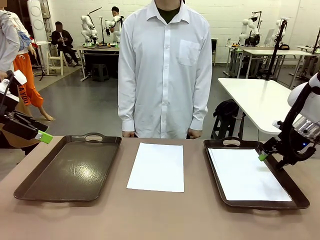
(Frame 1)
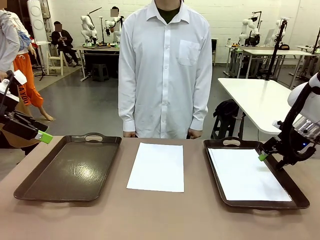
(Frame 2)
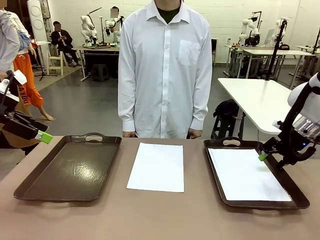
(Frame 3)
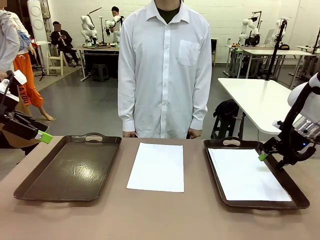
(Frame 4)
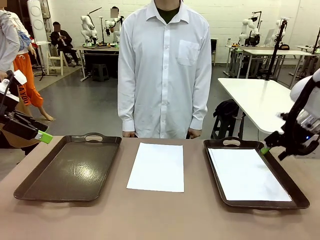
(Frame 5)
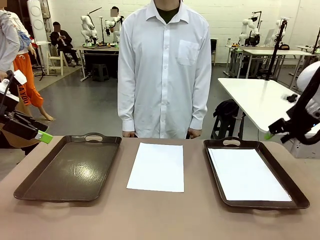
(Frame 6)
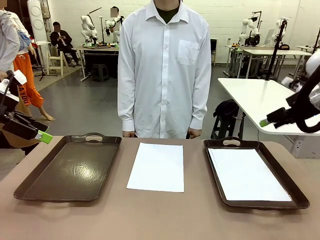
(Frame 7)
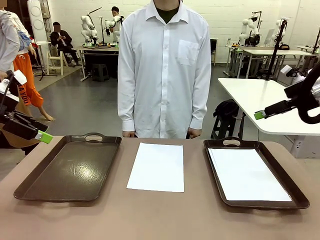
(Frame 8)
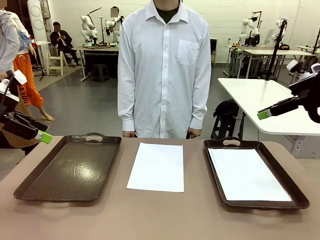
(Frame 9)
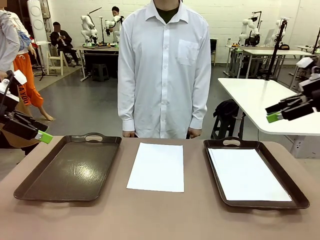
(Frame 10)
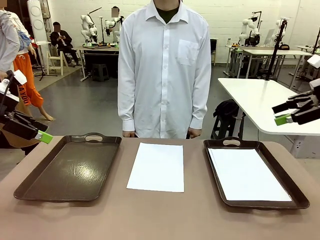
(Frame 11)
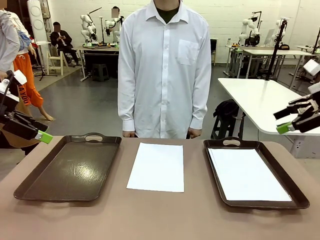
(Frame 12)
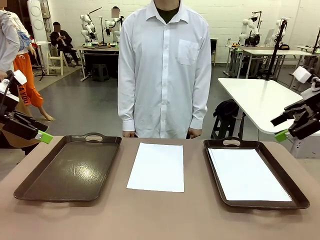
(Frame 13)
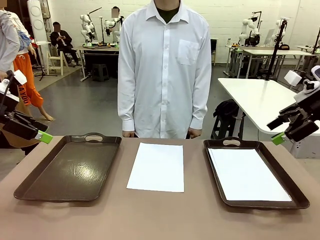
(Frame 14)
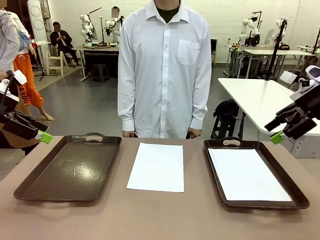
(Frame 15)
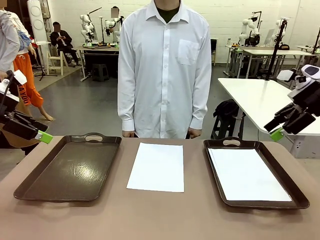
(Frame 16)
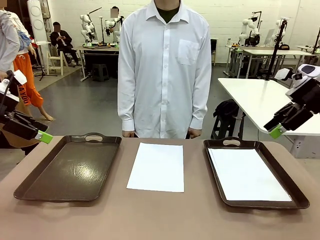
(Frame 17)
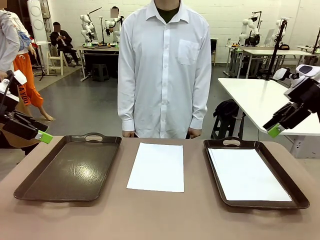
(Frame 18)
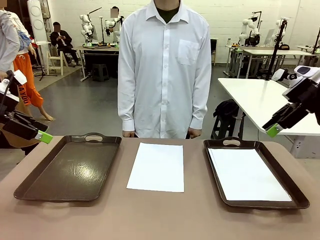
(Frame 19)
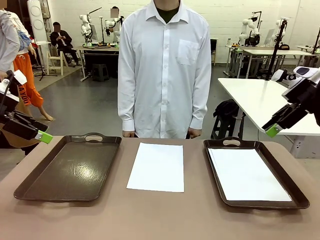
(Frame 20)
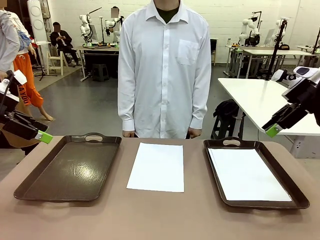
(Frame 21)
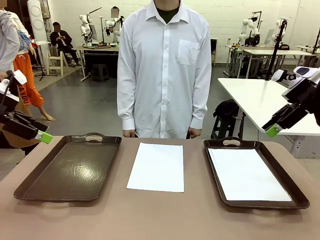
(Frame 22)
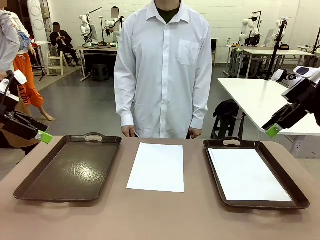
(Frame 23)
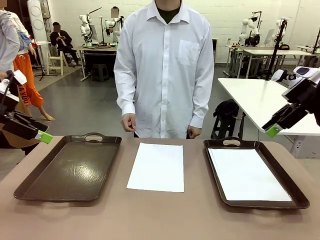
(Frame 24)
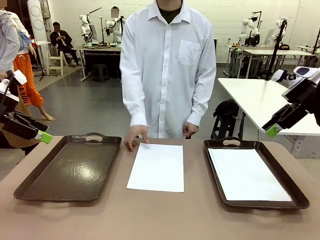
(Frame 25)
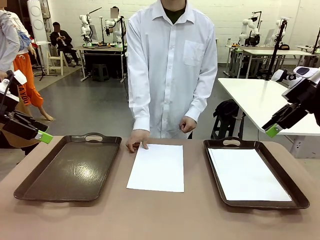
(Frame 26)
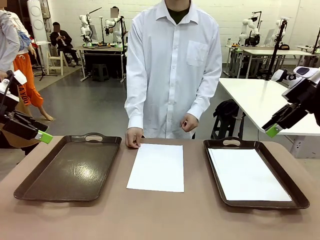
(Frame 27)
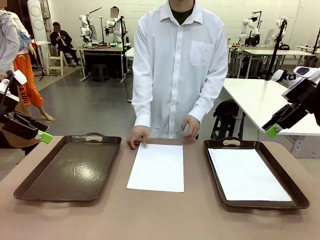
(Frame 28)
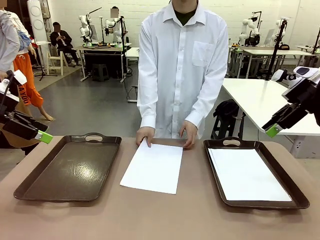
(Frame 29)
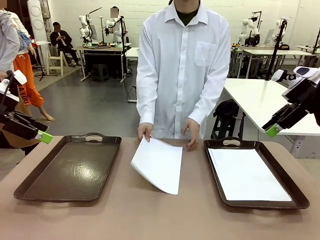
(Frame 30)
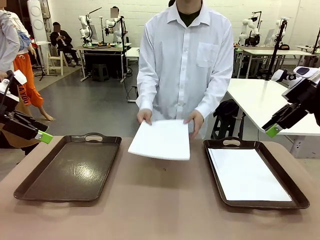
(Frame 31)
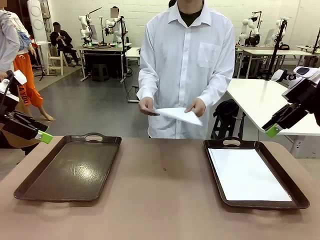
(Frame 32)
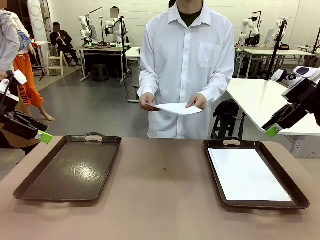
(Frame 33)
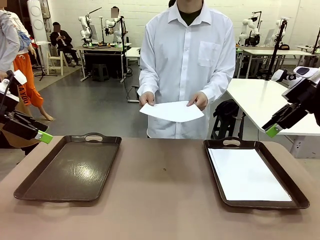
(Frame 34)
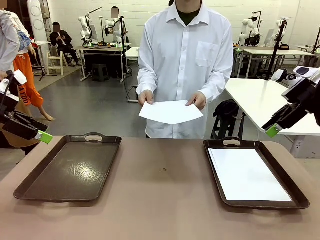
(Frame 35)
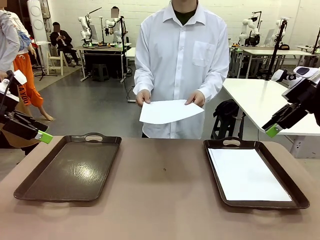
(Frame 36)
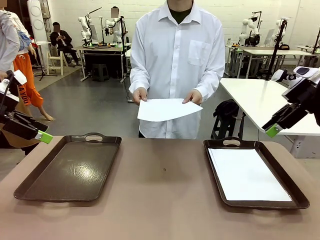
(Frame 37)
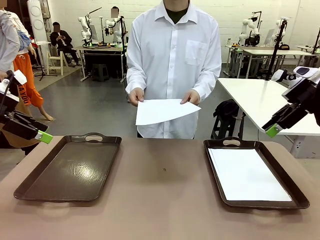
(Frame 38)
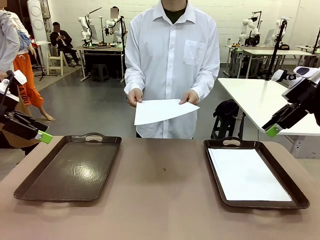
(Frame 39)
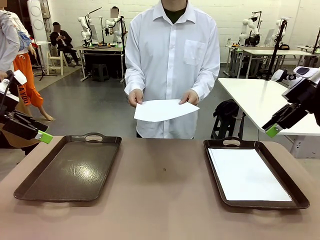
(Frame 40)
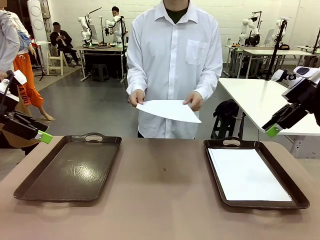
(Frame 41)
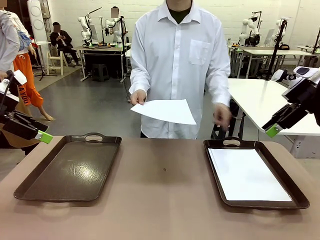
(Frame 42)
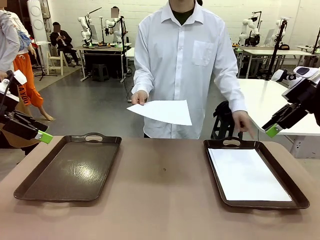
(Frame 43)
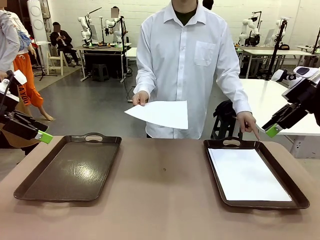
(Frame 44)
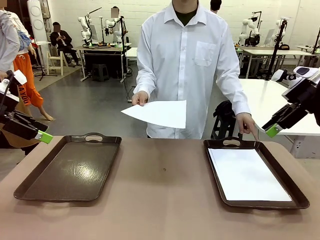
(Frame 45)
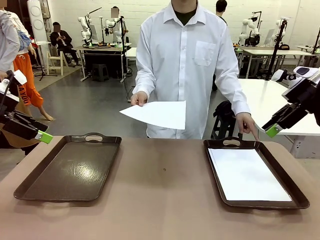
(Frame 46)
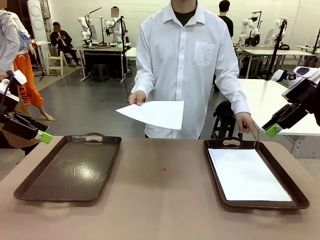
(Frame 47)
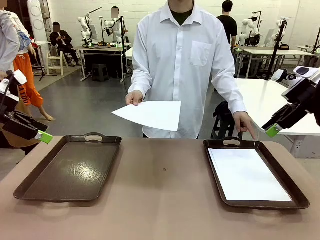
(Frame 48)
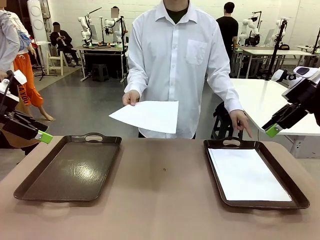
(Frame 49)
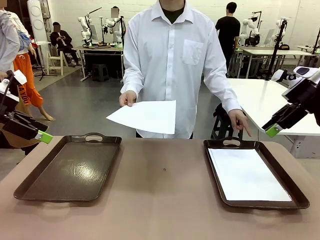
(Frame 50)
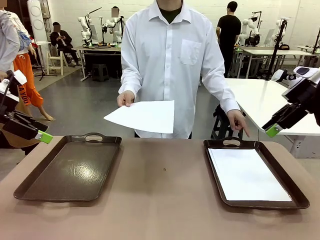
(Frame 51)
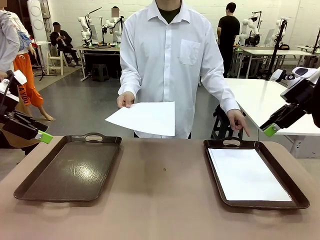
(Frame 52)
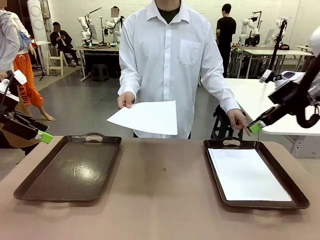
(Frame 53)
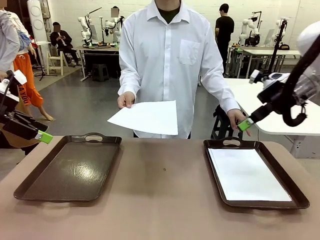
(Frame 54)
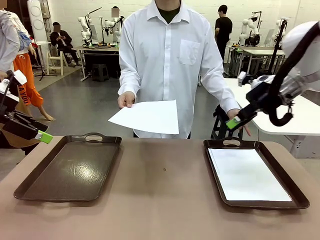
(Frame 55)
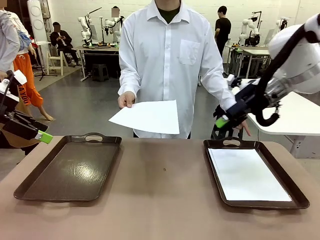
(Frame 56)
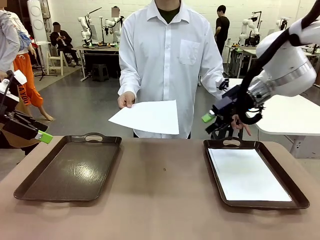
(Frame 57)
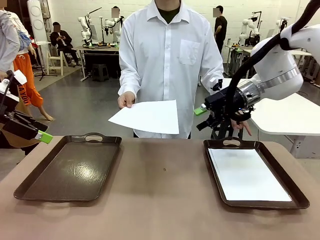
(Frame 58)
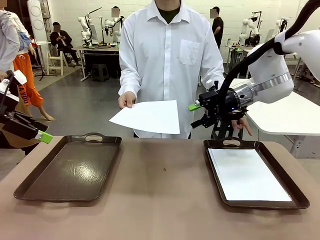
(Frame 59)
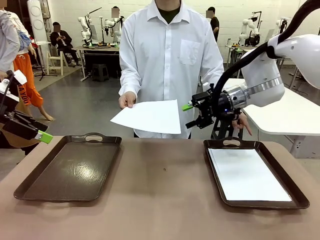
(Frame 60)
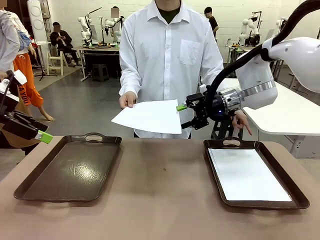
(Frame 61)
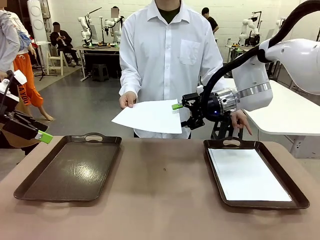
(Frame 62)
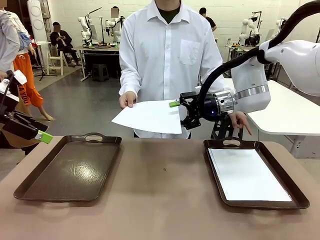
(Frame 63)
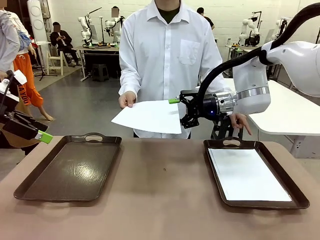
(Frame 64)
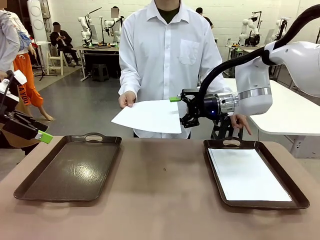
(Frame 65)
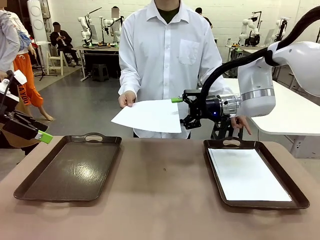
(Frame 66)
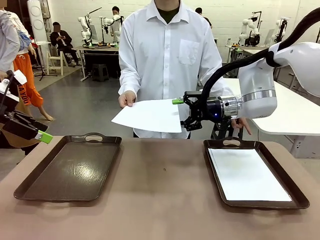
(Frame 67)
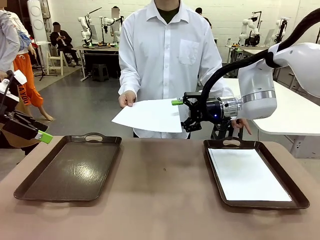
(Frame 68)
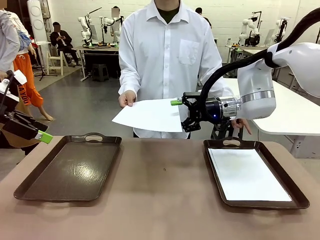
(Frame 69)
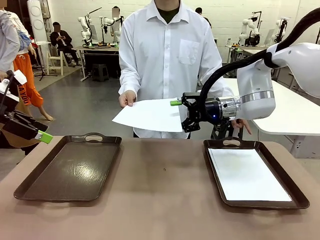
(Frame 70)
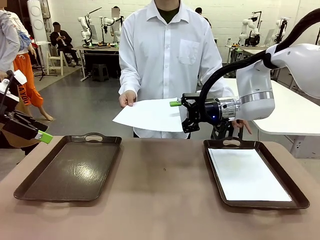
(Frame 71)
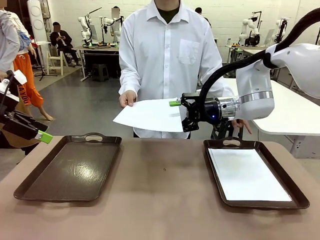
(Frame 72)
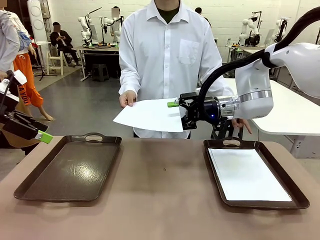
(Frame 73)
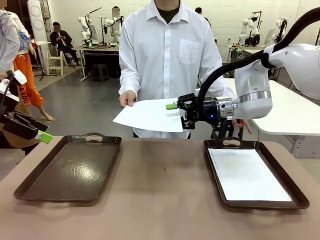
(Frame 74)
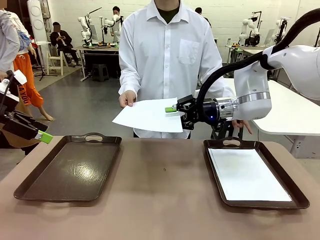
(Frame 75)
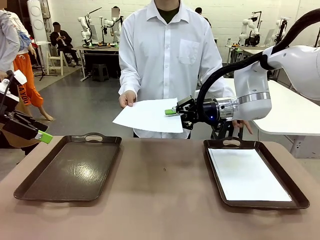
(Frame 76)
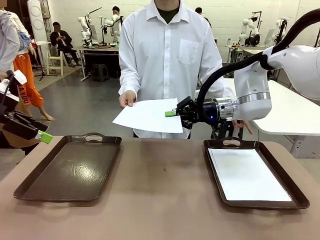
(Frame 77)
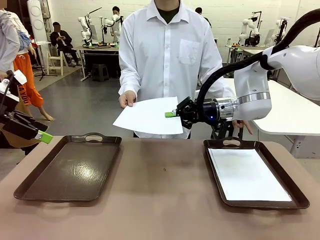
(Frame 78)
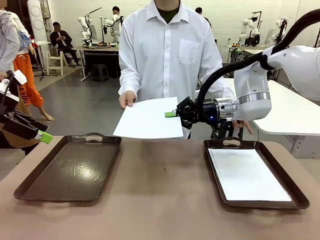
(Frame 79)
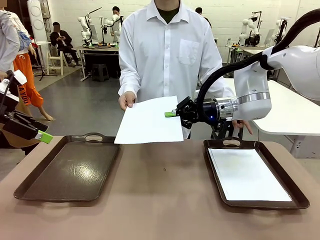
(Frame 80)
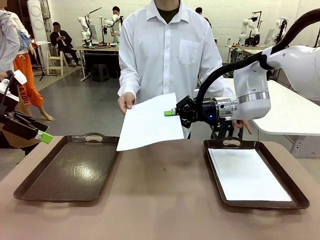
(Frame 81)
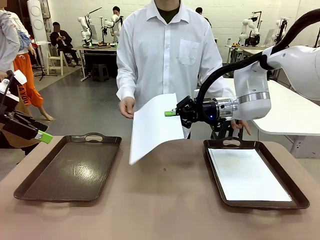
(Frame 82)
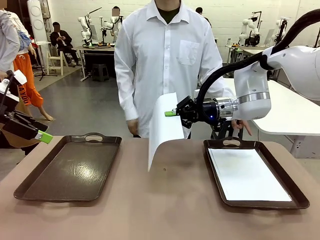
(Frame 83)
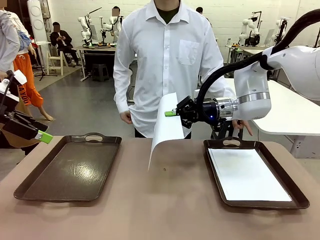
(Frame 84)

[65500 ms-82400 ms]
Task: Sort the A4 documents.
Robot: Receive the A4 Paper.
Person: Point the randomly selected tray with the other hand.

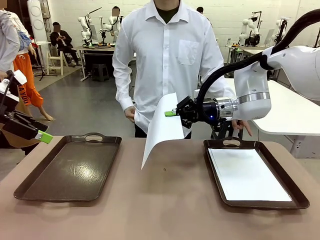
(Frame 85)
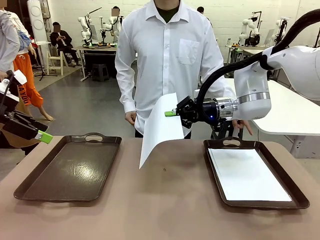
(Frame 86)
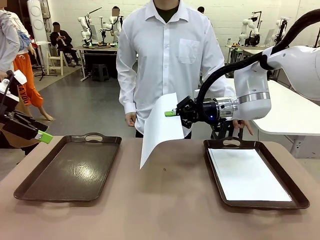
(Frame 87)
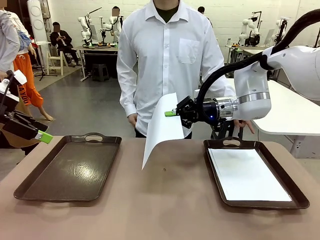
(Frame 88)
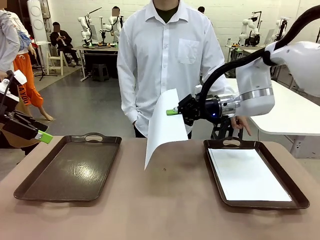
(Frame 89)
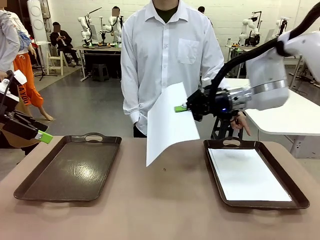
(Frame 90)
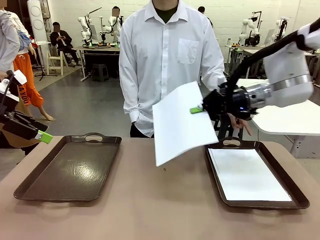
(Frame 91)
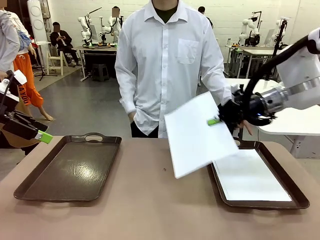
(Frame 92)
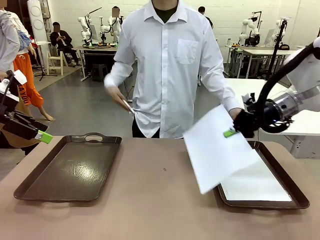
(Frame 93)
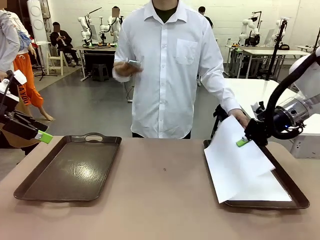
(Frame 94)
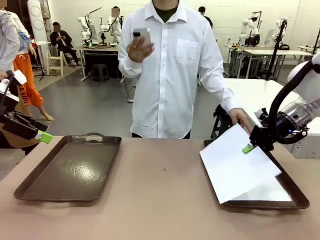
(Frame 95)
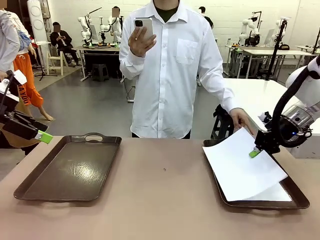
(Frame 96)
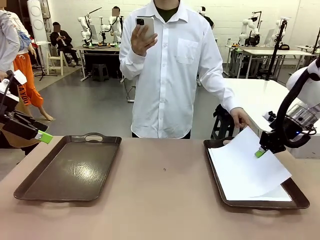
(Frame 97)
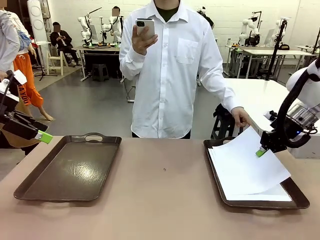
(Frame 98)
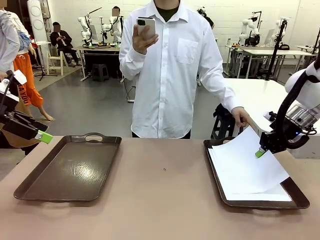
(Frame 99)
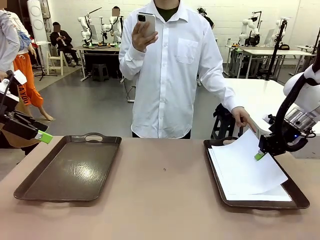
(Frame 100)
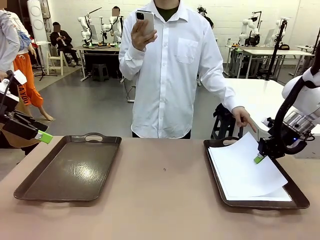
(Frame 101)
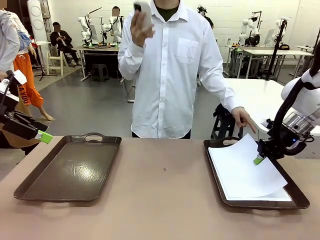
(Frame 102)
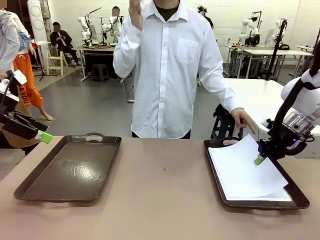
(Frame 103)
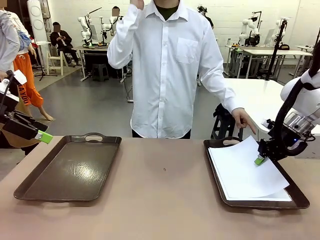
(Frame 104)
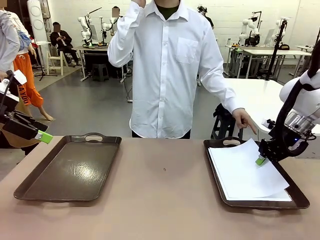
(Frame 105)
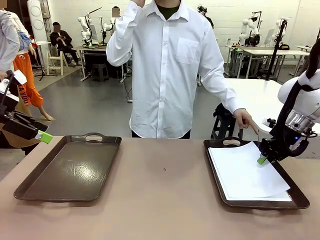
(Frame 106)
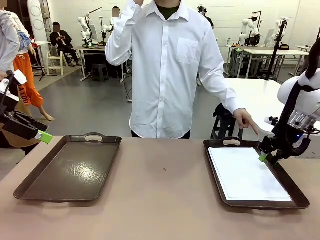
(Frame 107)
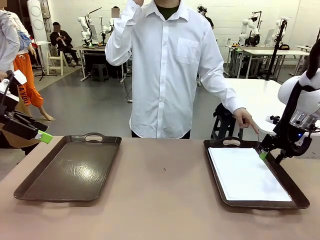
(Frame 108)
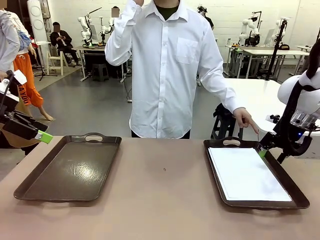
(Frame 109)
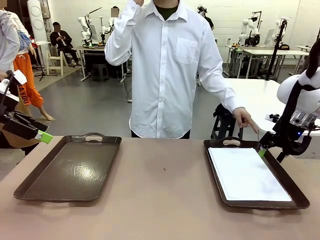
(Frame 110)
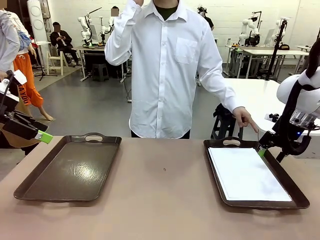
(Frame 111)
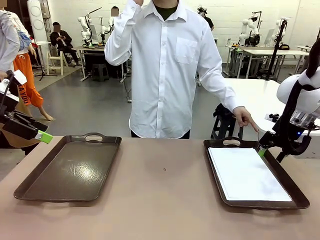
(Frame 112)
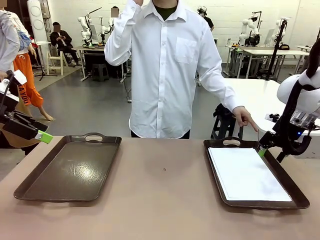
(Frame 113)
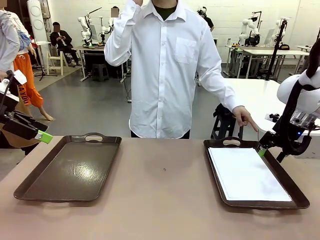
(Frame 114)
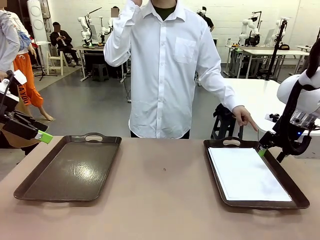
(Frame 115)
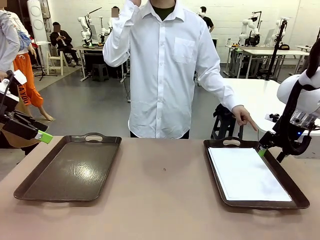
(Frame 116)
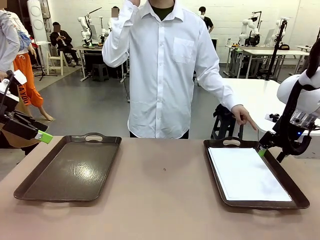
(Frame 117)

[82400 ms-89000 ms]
Robot: Place the A4 Paper in the designated Handle tray.
